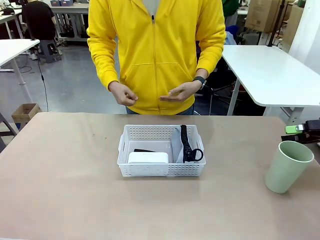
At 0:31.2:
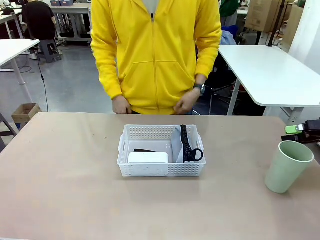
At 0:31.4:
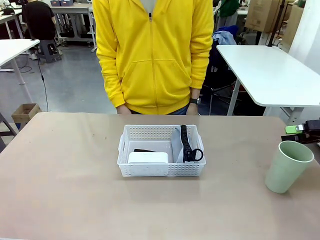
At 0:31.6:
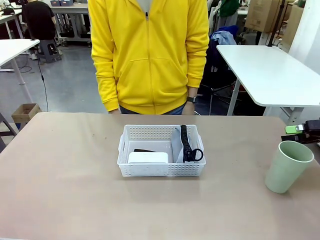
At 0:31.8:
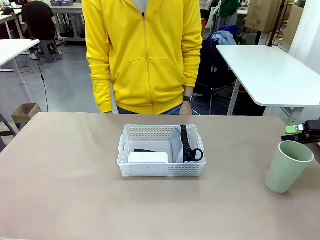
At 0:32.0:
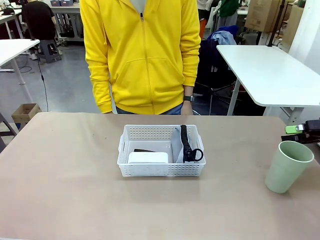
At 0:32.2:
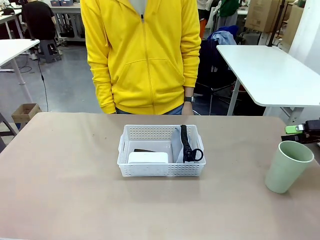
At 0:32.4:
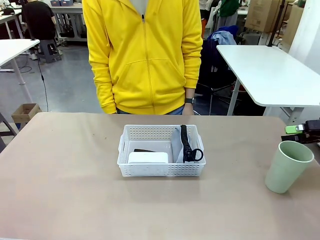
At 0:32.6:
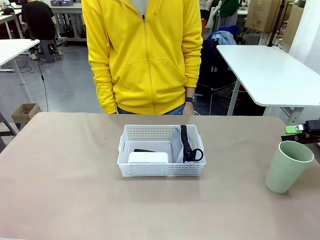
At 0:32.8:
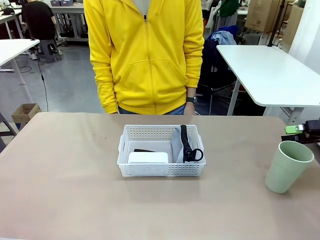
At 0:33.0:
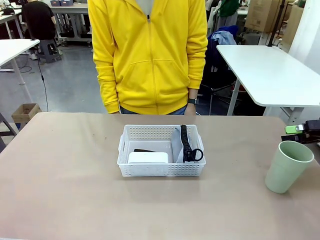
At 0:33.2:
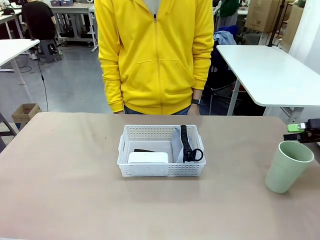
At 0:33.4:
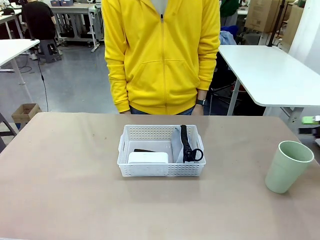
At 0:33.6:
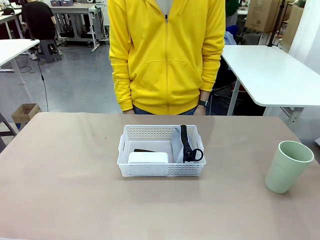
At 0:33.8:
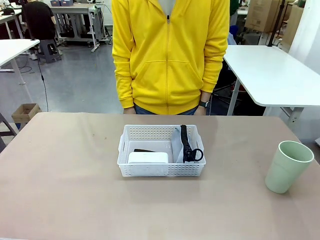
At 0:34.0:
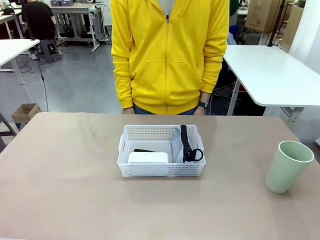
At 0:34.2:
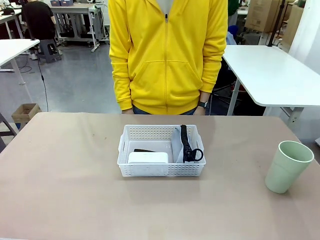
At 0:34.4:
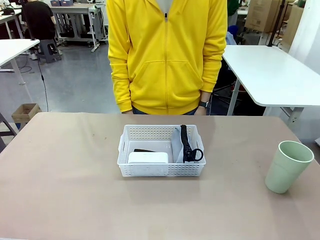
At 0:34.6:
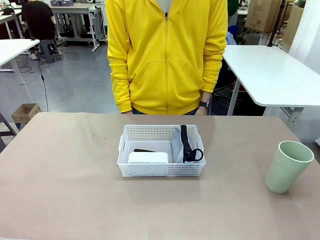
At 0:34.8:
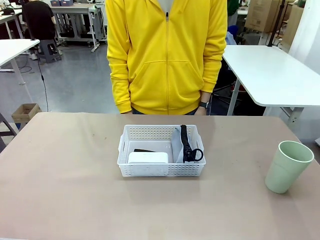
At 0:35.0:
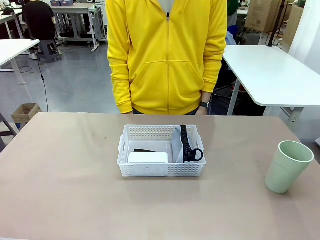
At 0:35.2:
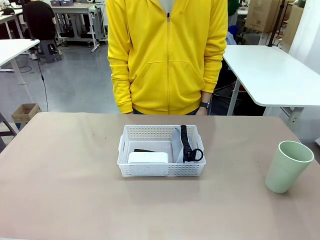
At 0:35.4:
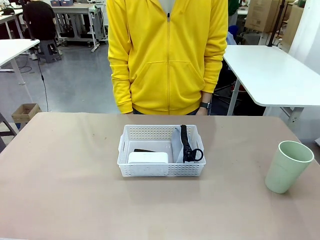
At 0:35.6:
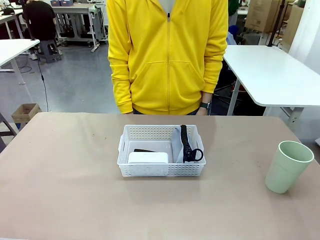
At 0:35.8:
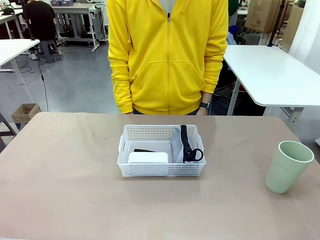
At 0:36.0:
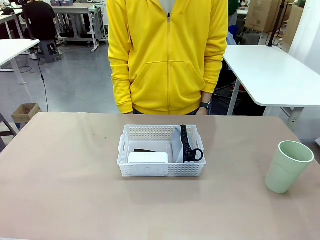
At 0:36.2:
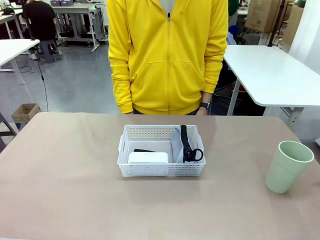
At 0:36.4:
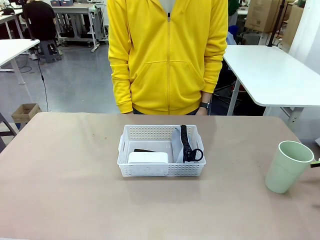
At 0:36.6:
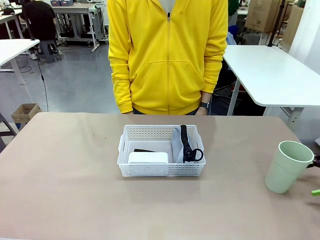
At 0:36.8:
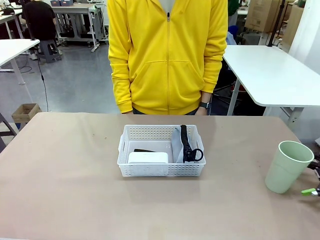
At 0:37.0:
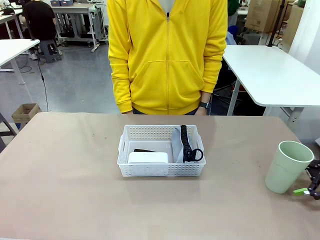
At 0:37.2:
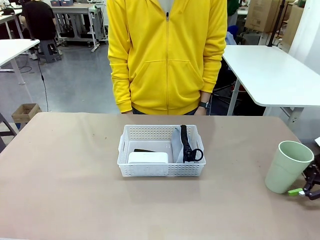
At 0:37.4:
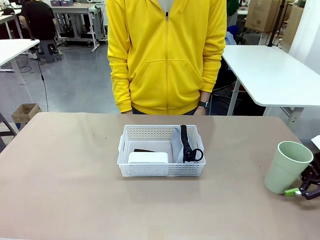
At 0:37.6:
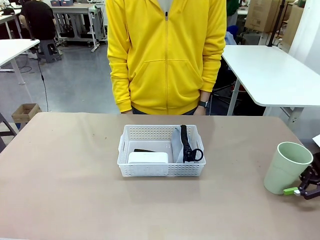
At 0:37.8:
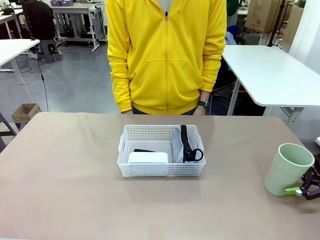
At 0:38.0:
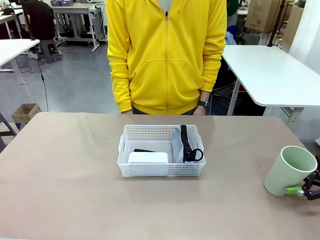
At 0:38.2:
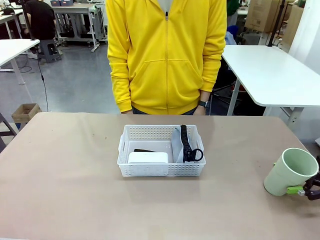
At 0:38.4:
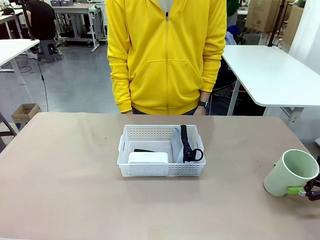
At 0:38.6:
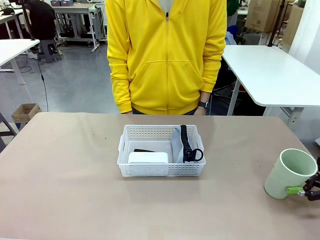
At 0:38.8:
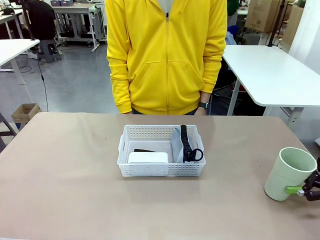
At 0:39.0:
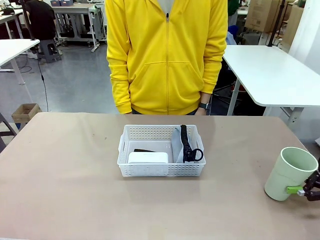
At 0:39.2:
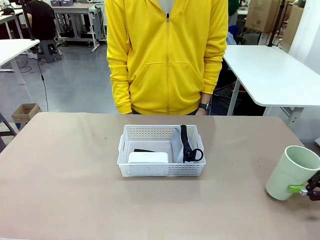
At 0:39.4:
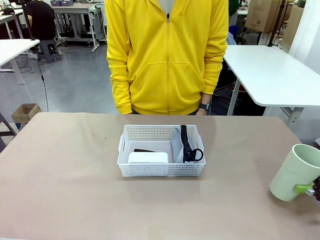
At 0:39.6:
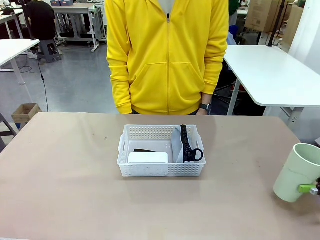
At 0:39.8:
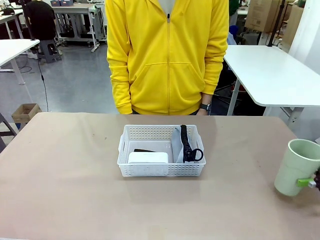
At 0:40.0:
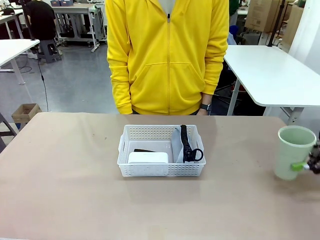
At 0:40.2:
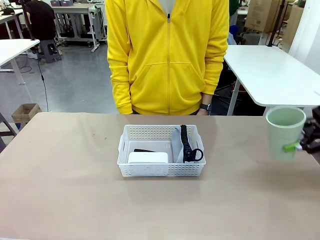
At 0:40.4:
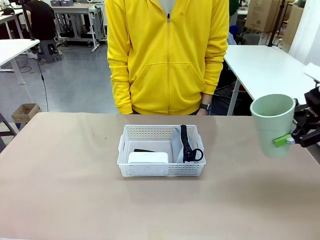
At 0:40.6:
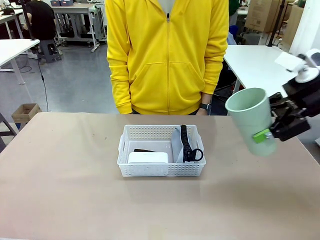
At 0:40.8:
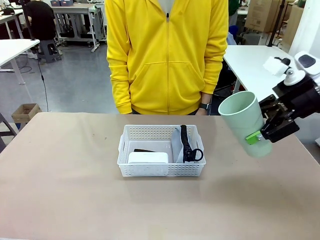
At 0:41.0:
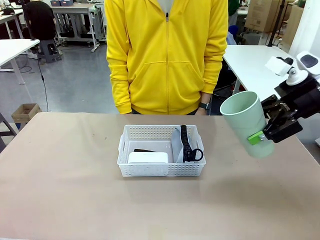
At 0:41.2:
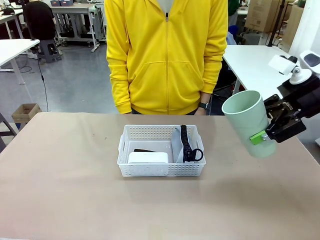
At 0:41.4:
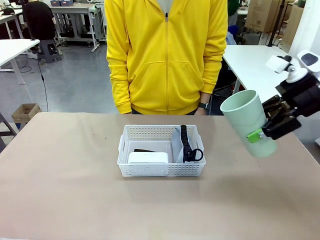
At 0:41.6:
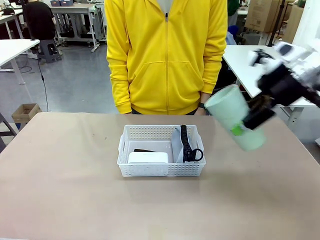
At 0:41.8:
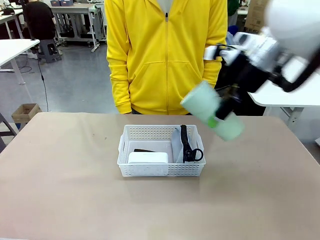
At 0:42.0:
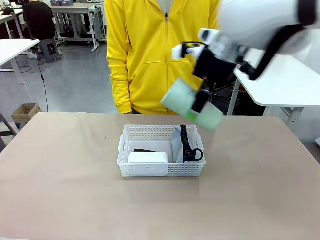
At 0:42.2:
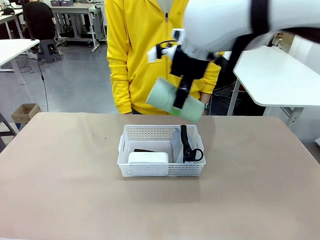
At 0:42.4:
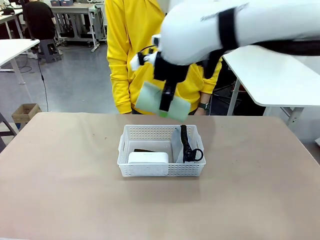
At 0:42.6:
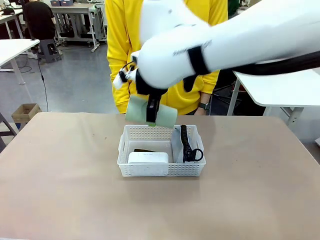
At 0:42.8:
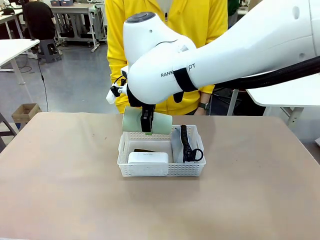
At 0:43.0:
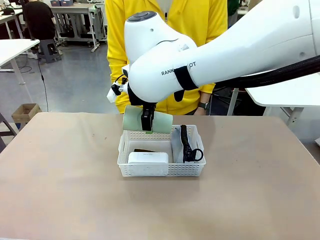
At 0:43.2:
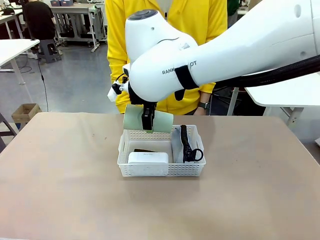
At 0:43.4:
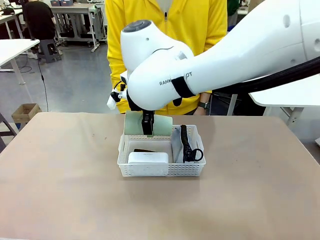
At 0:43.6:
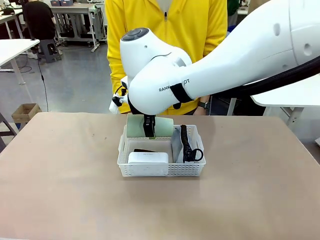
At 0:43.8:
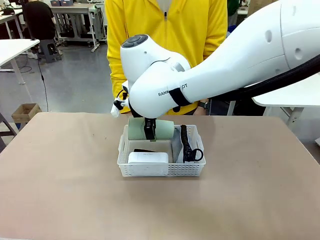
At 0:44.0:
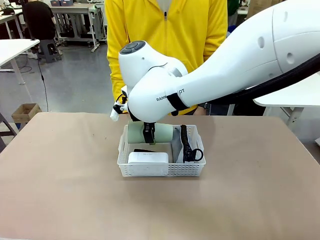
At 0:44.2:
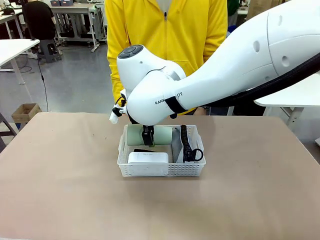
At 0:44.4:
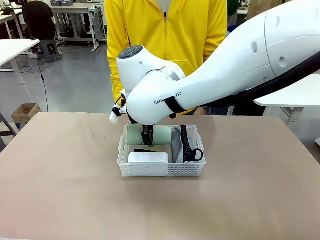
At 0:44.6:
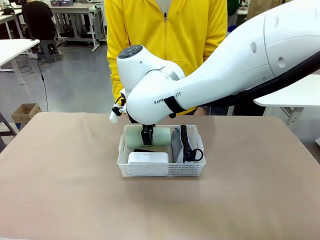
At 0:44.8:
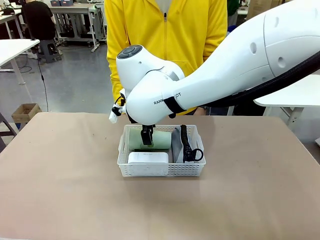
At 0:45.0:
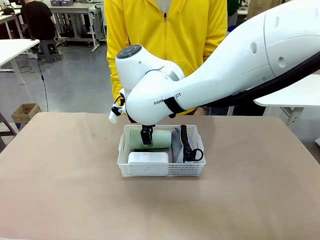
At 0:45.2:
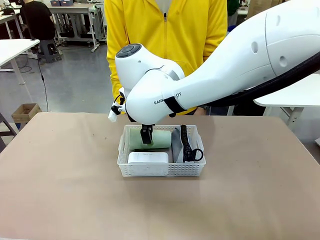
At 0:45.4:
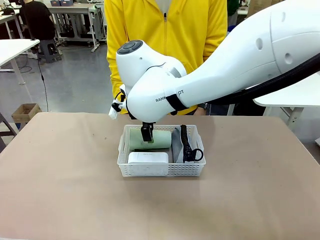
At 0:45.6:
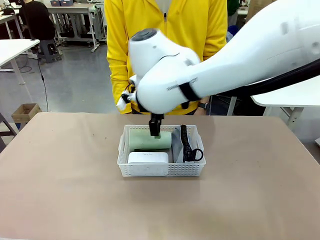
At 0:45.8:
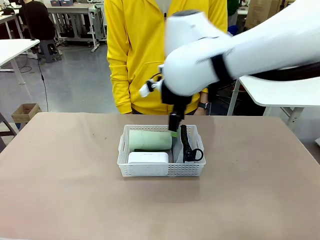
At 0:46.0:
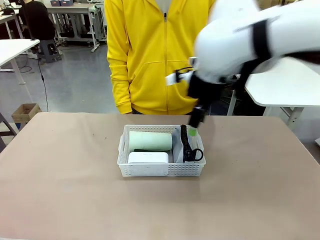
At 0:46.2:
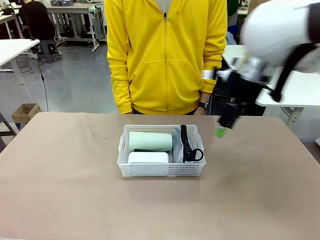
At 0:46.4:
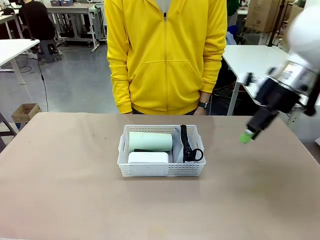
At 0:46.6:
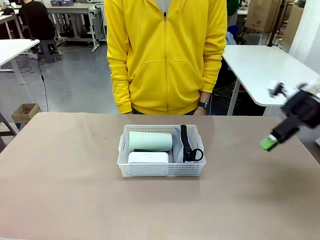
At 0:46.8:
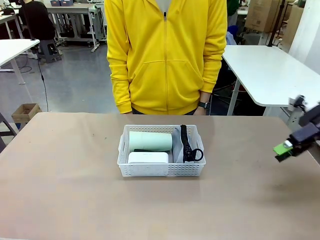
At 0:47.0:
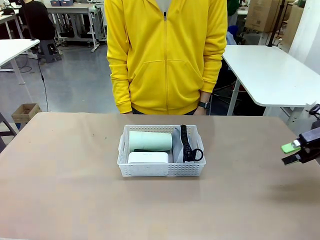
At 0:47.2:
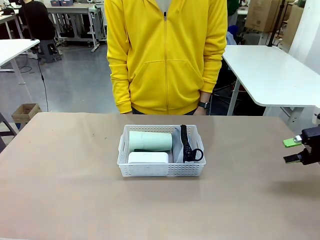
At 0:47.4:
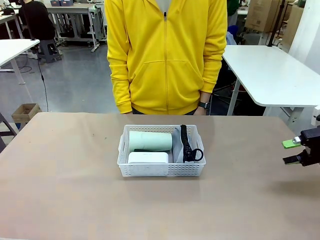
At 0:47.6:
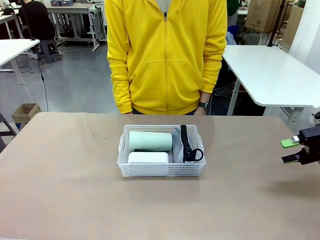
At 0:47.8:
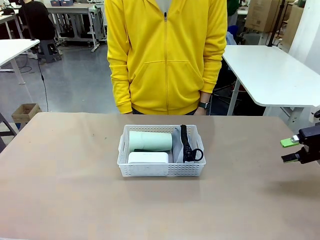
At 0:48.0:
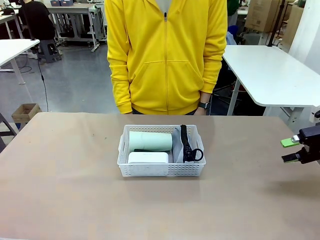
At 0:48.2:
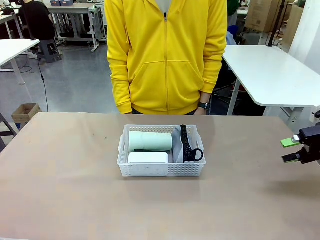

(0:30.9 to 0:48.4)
Task: Efficiently arrange items inside the basket to fit them all.
Robot: Pick up the Reusable plastic cup and place it inside the Organizing basket.
Person: Repositions the stapler.

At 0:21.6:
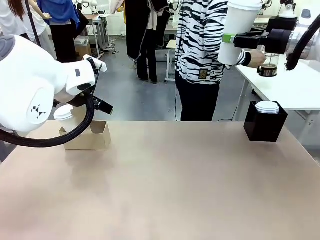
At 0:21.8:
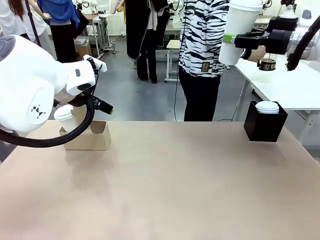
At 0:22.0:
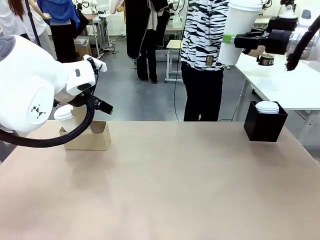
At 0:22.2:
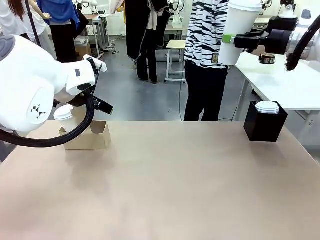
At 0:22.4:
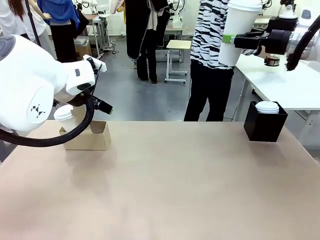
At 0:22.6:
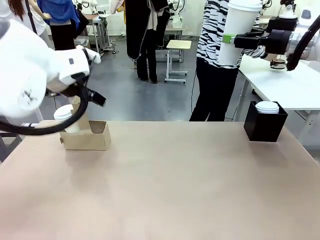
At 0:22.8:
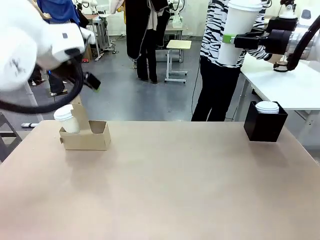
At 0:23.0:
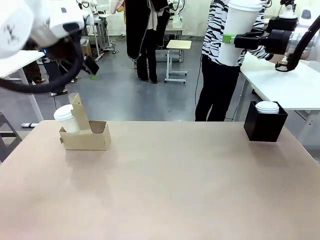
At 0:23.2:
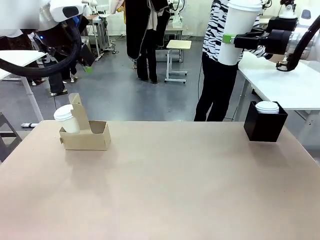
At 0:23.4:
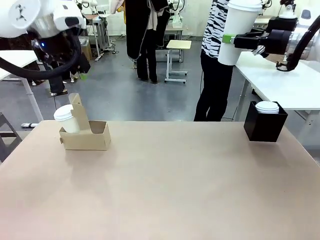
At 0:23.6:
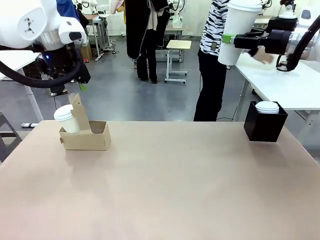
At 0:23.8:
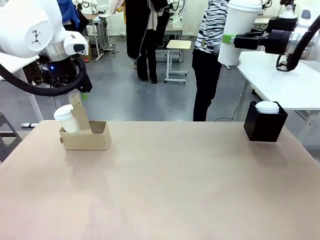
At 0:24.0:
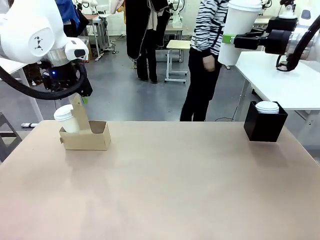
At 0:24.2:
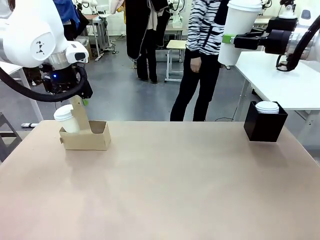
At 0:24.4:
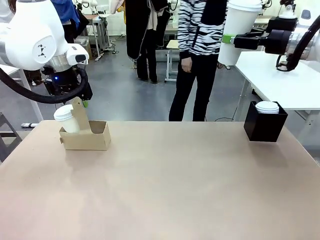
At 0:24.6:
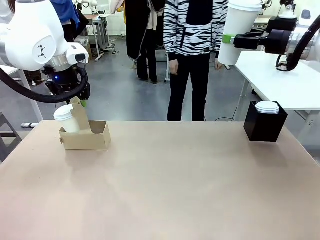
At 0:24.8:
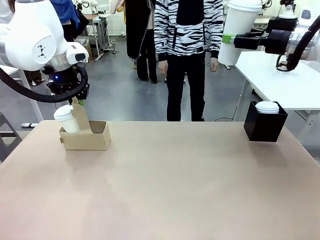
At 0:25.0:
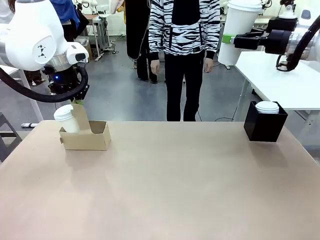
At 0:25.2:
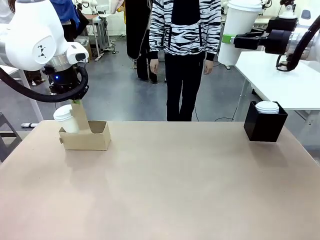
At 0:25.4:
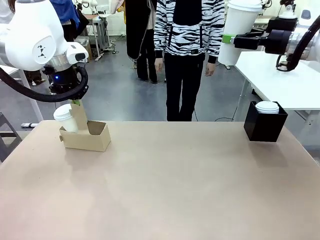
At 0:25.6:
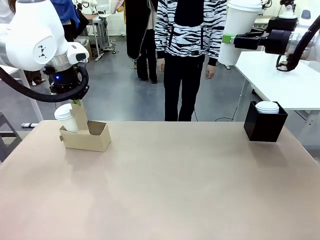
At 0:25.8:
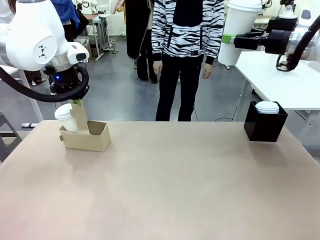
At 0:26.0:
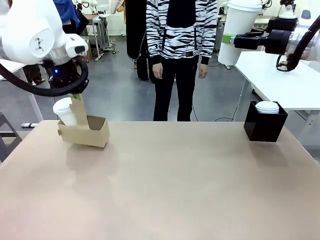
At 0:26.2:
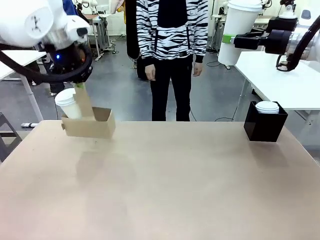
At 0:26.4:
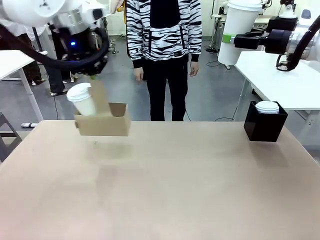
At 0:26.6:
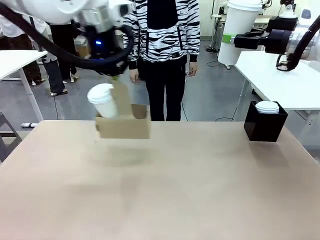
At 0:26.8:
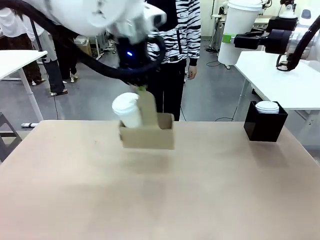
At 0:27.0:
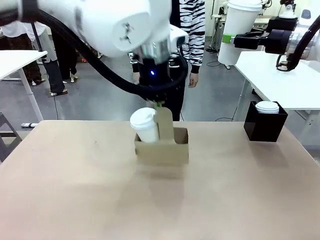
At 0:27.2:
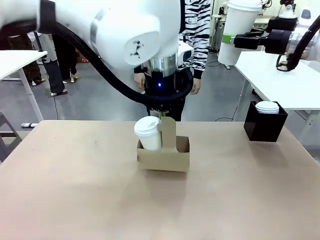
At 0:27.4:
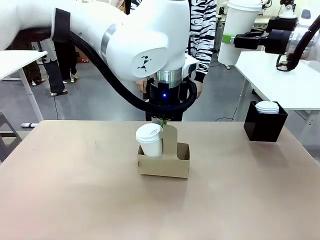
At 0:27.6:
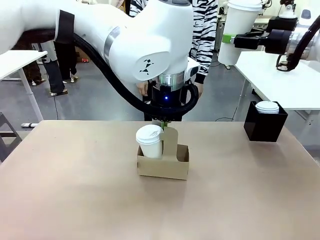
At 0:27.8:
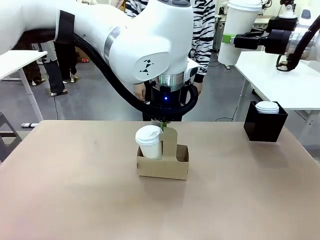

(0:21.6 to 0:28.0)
Task: Pour a drink into a cup and package it in a carrier.
Robot: Position the Cup Carrier in the center of the table.
Person: Pick up the Filter Brewing and place on the middle of Human table, and return to the Robot table.
